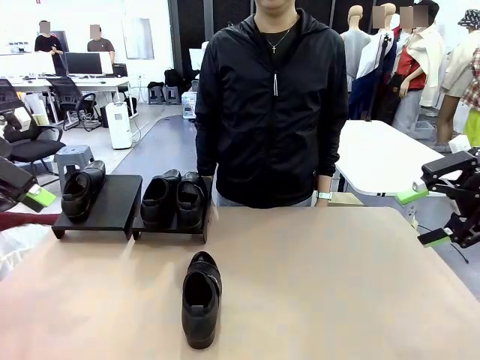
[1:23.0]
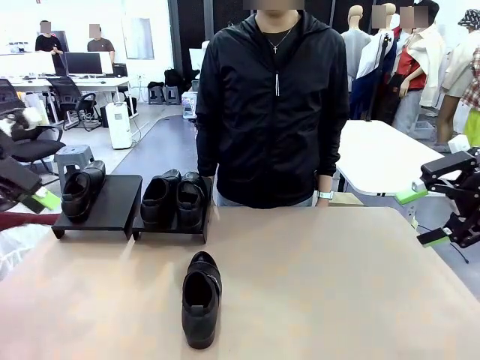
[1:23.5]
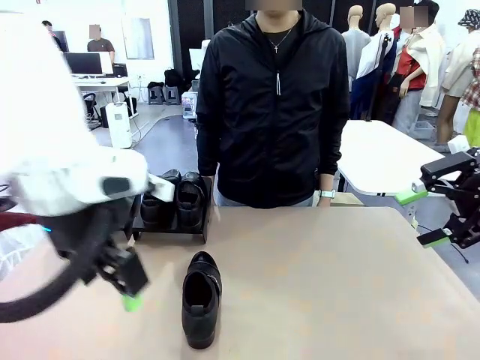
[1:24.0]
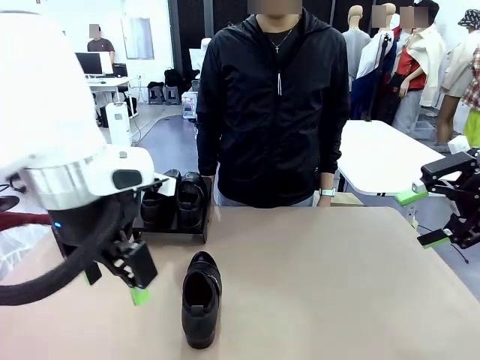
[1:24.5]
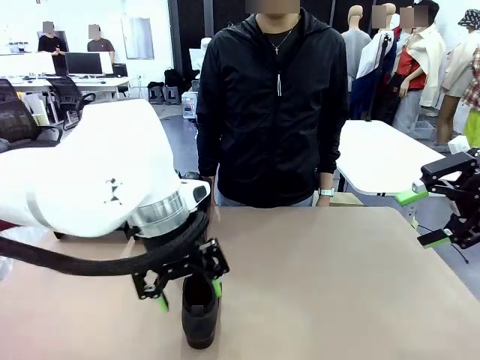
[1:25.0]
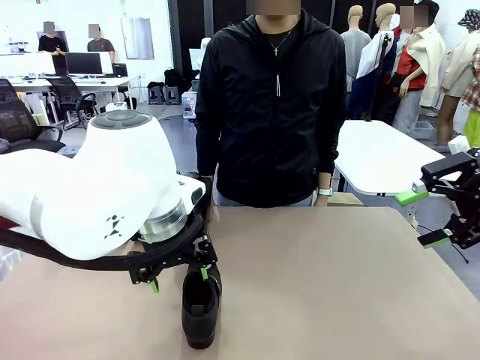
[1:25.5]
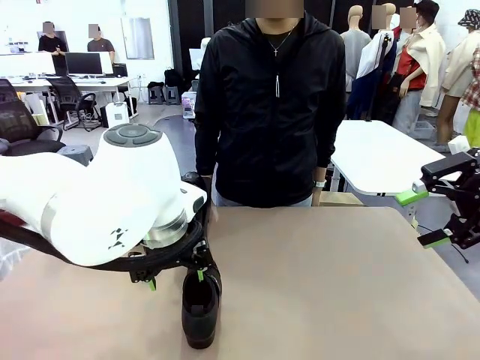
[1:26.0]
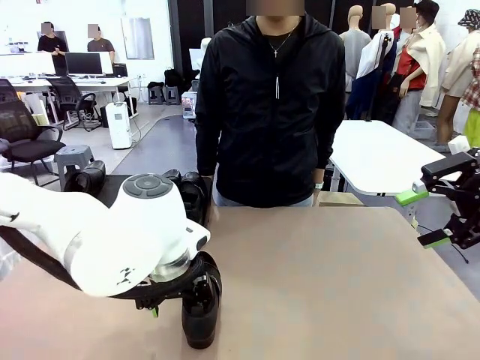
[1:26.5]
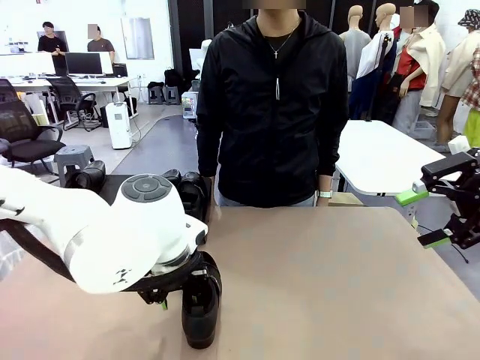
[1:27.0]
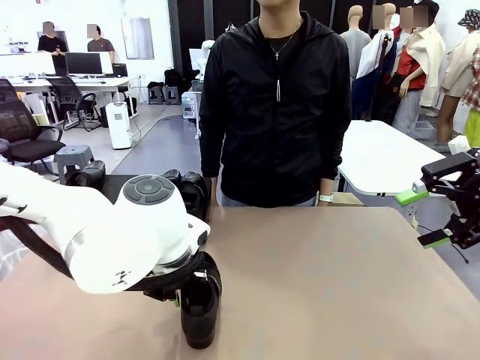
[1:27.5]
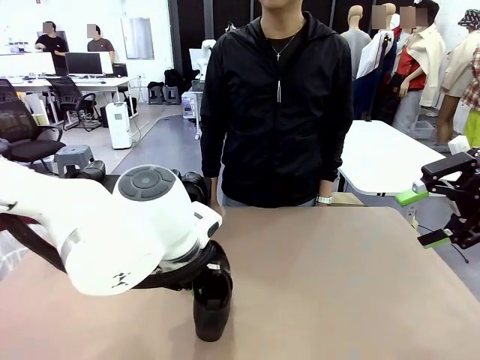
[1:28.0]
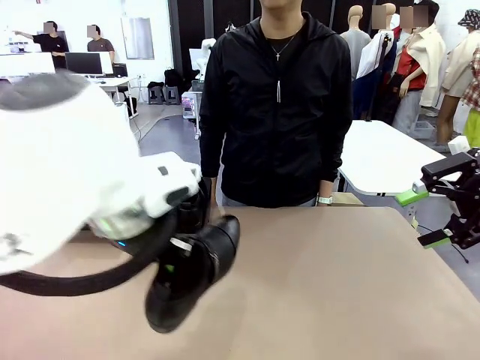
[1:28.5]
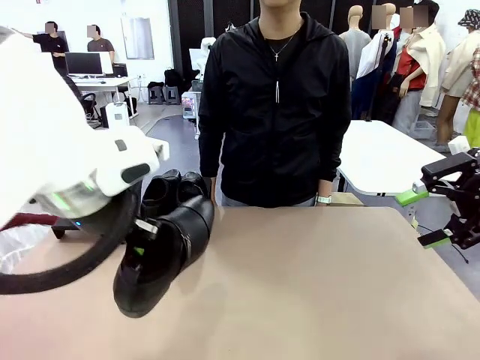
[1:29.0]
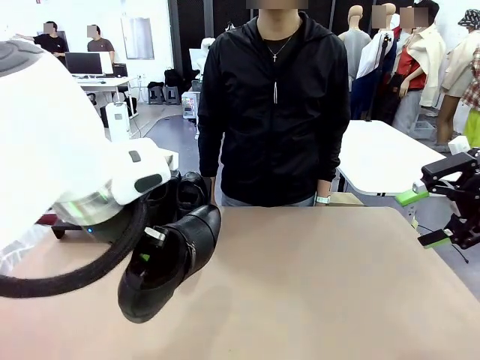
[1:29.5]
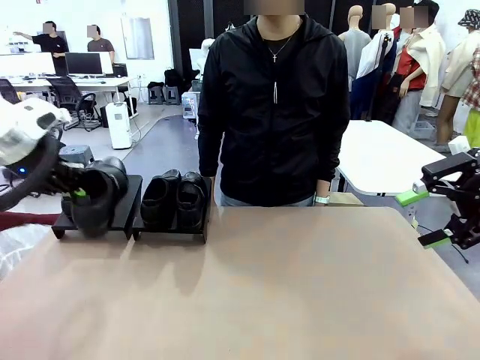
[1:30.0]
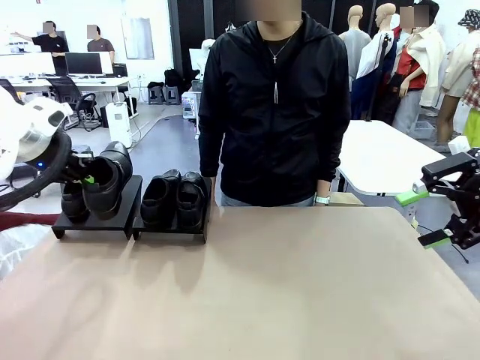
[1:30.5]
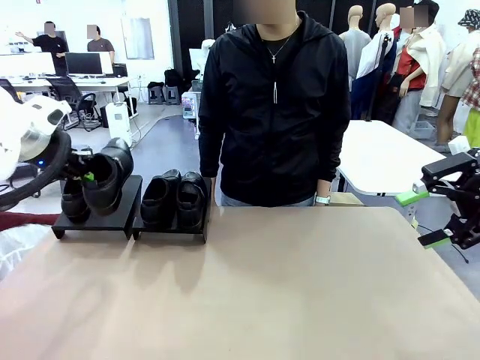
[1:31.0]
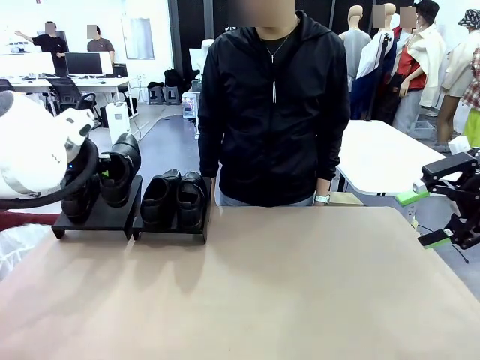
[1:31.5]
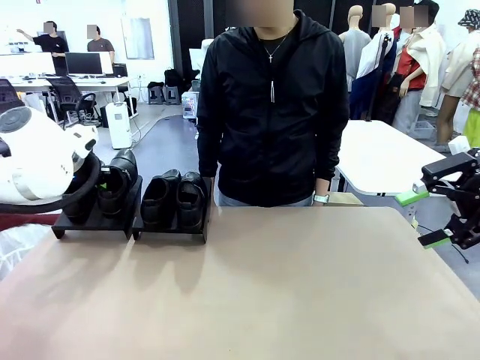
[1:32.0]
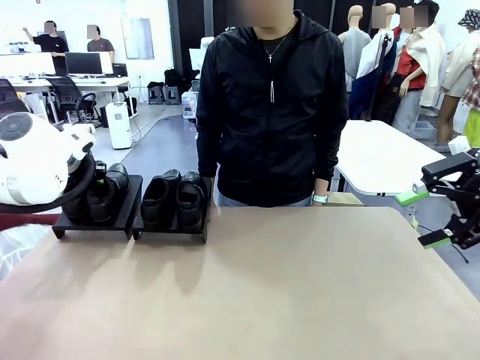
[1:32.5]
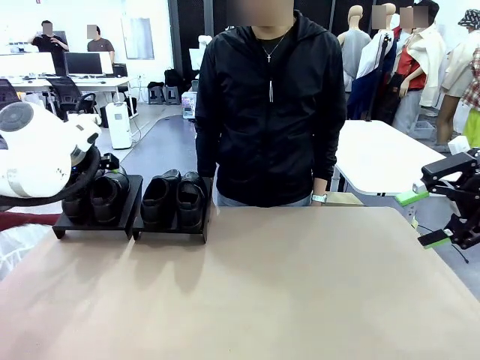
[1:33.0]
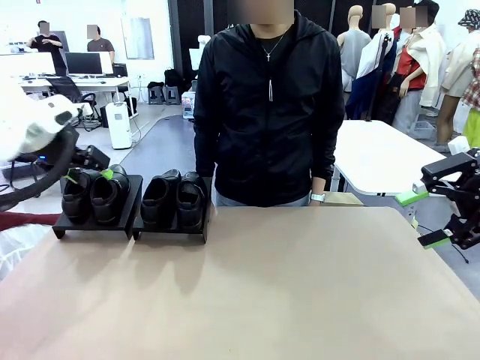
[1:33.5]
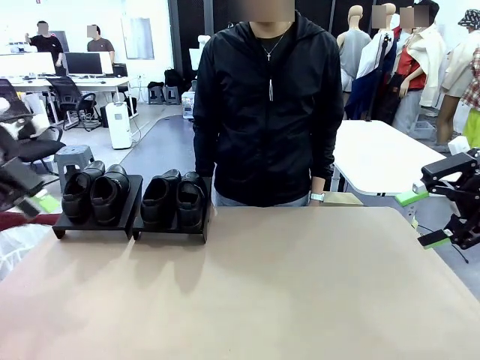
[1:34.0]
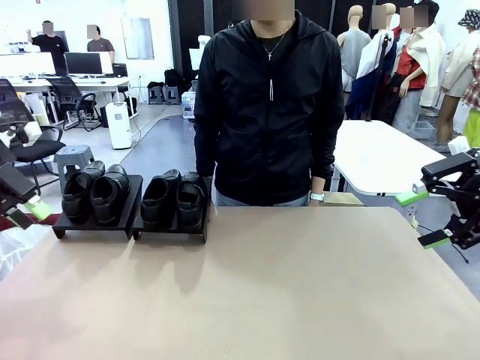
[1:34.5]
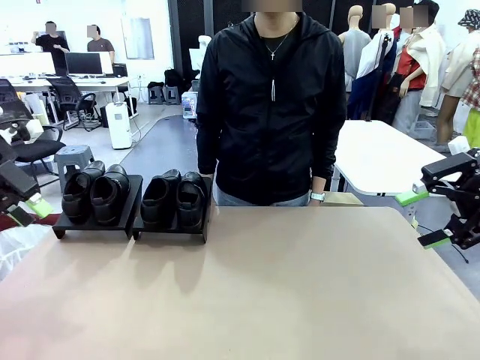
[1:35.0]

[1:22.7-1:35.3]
Task: Organize the shoes by placing them on the stand.
Robot: Place the Shoe from the middle of the table onto the Shoes Stand.

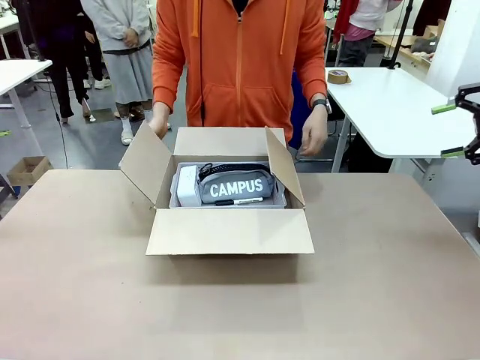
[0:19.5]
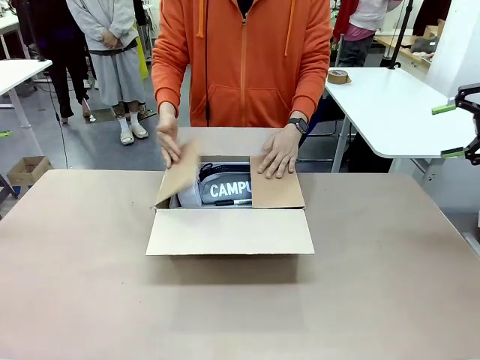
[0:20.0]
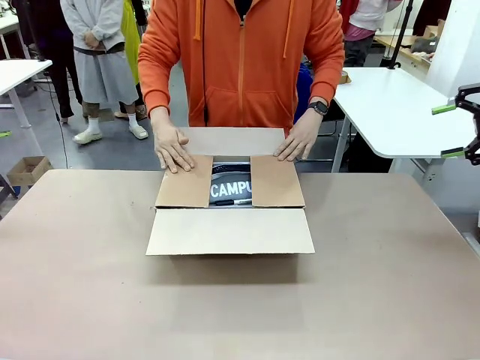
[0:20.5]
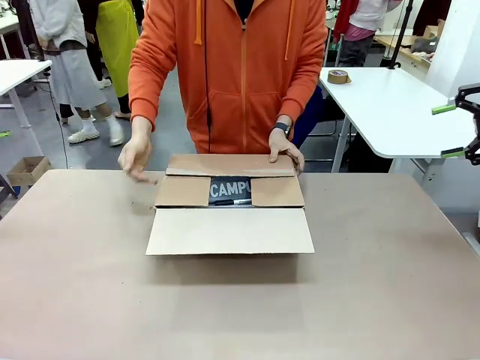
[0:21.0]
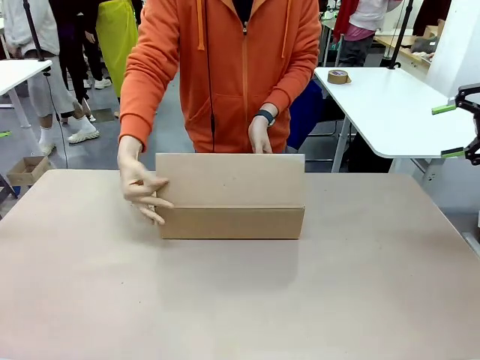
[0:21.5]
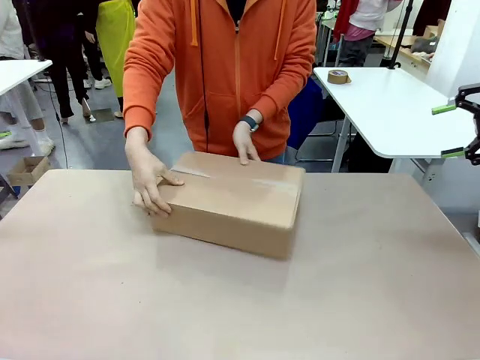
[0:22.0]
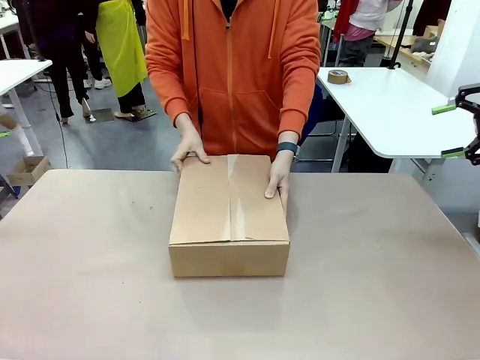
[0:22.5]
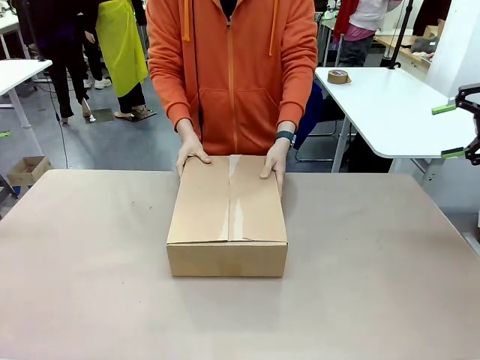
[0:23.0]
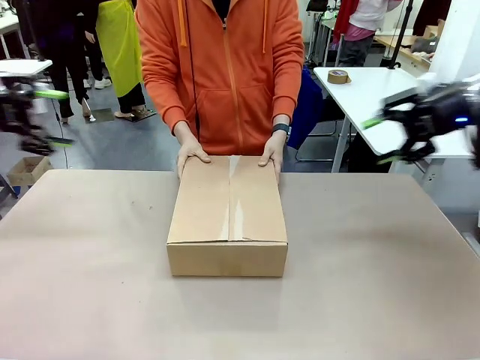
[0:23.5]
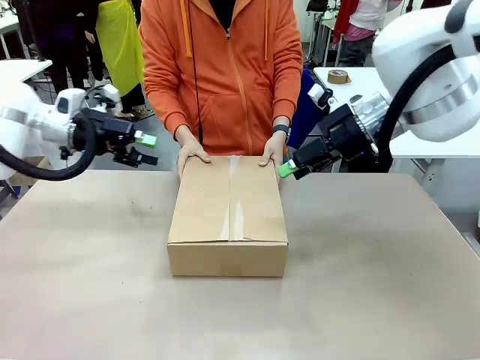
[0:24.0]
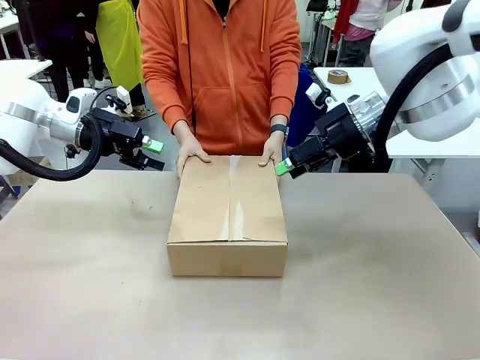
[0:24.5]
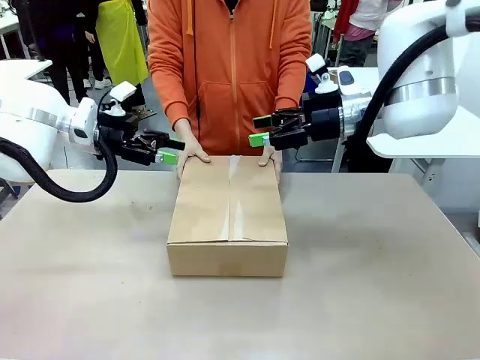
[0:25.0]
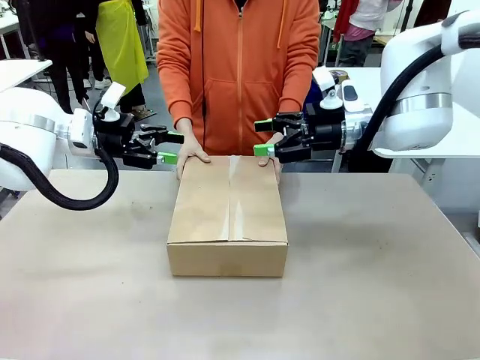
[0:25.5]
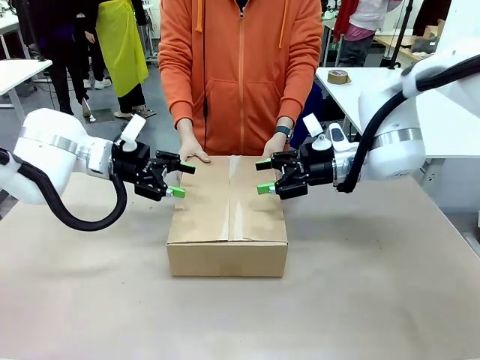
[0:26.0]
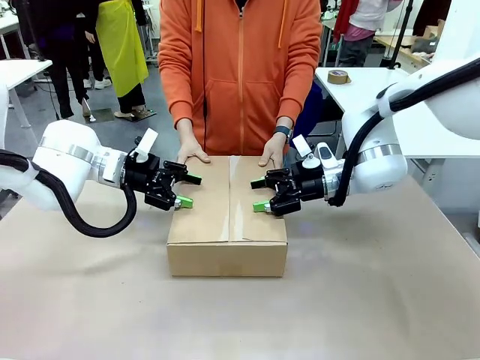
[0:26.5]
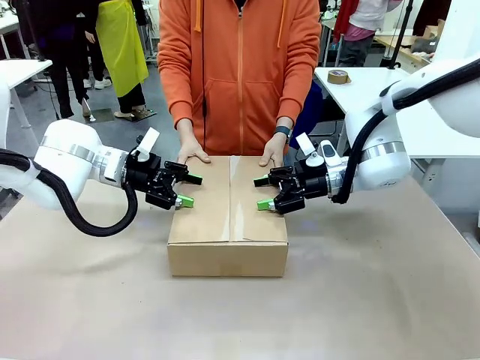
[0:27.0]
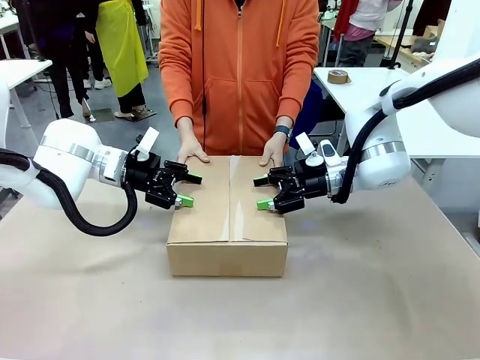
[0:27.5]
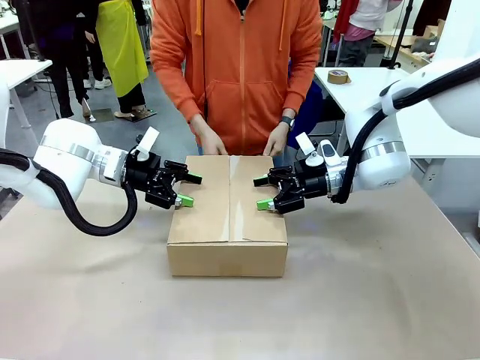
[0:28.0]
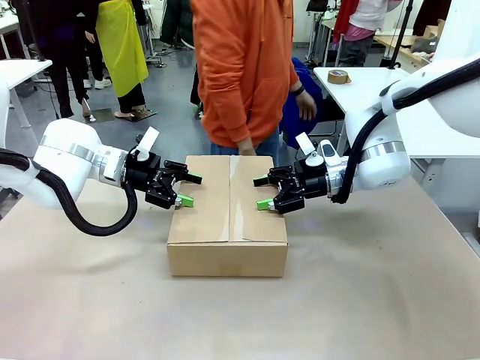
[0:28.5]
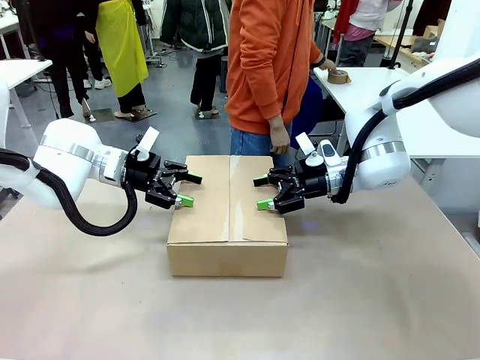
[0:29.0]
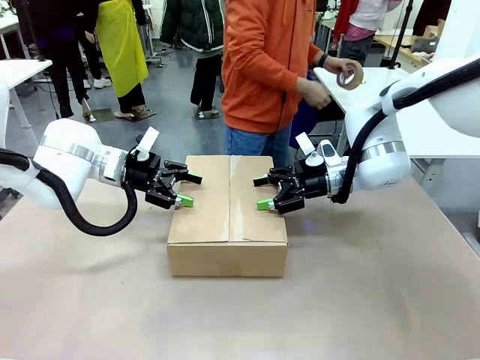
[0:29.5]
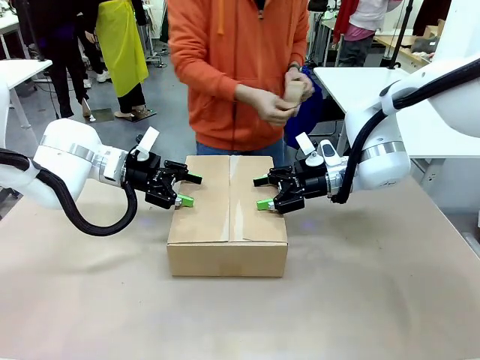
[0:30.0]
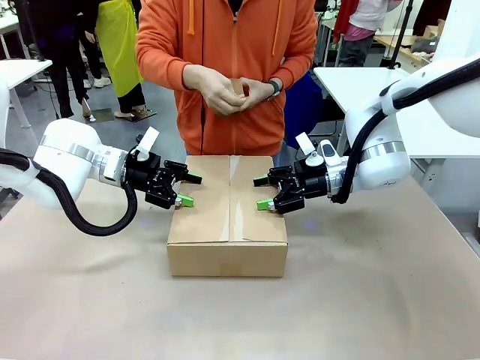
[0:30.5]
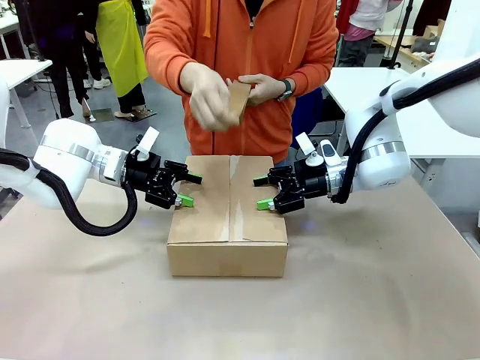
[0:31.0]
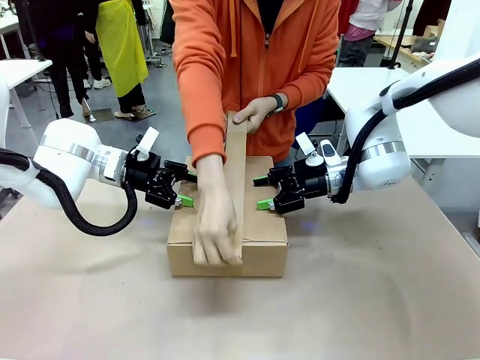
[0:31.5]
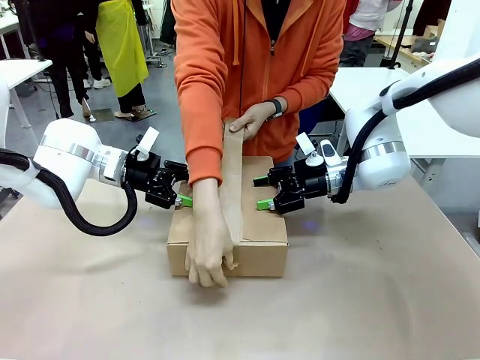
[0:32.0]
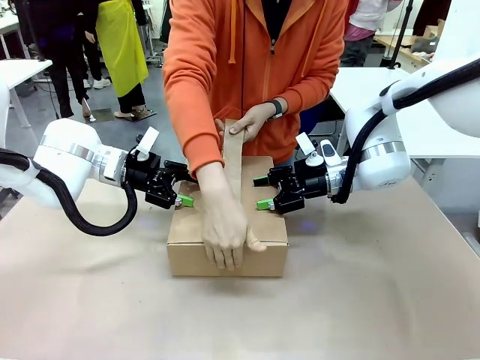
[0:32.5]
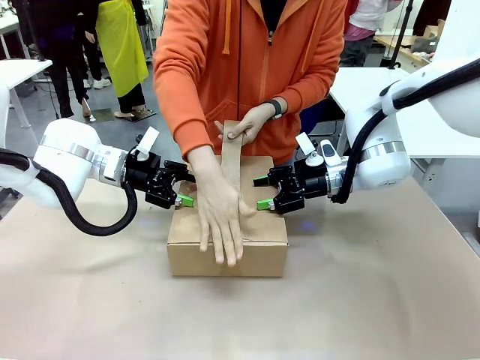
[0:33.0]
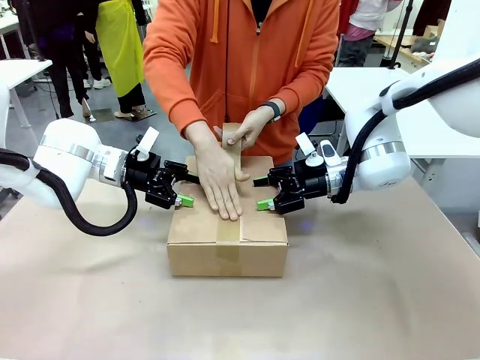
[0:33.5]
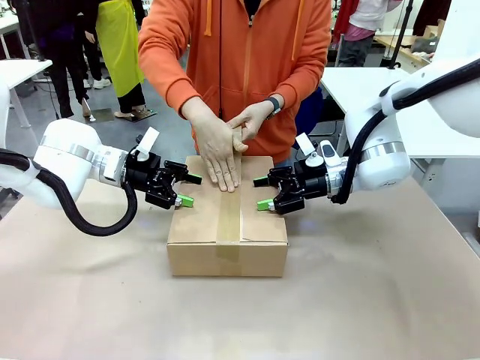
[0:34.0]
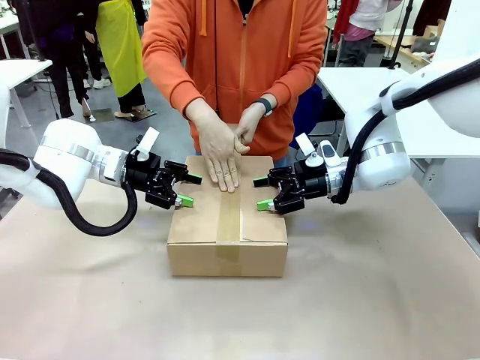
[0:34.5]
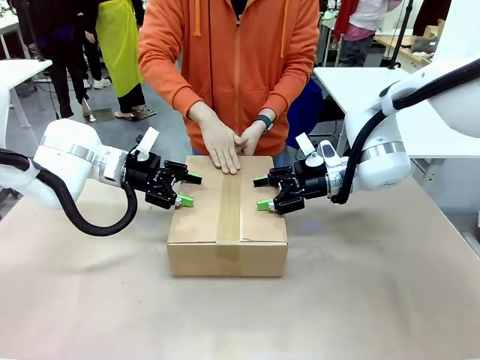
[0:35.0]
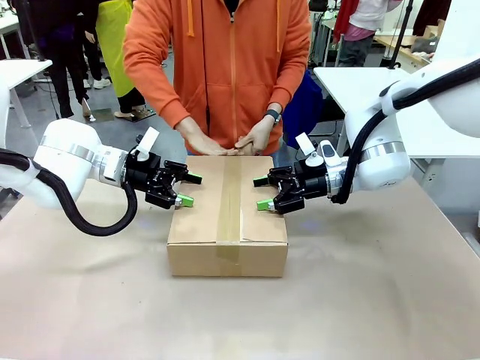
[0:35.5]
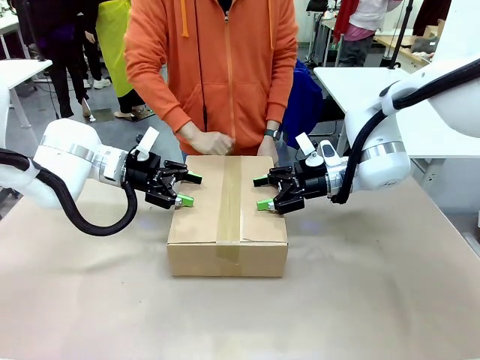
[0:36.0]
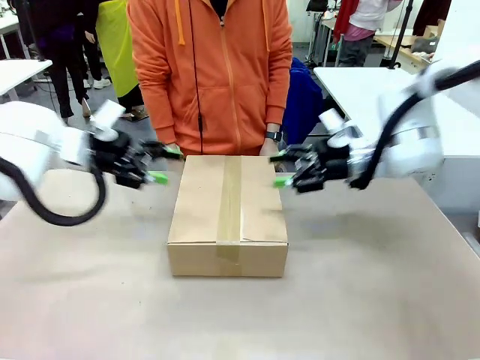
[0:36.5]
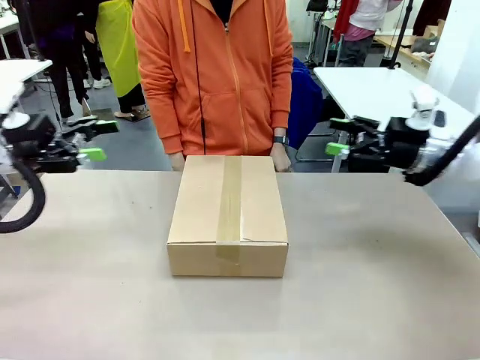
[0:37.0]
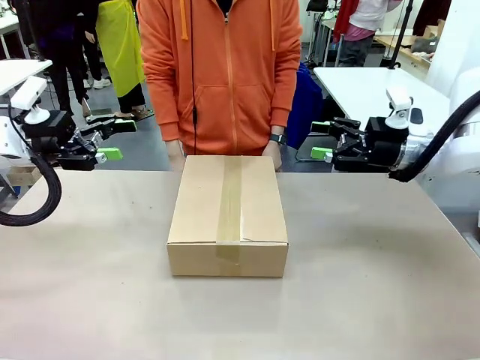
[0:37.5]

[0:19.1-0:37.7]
Task: Pack the gift set into the box.
Robot: Press and hold the closed box until the human finishes sealing it.
Person: The human closes the box and rotates the box by 90 degrees. The human picks up the paper tape from the human table and packs the box.
